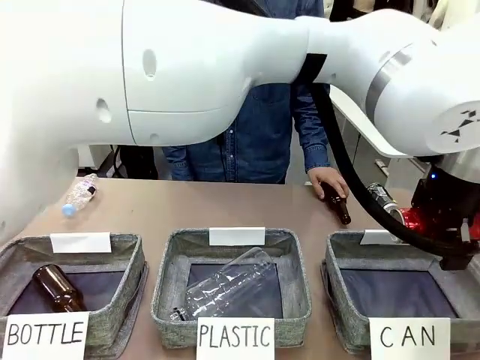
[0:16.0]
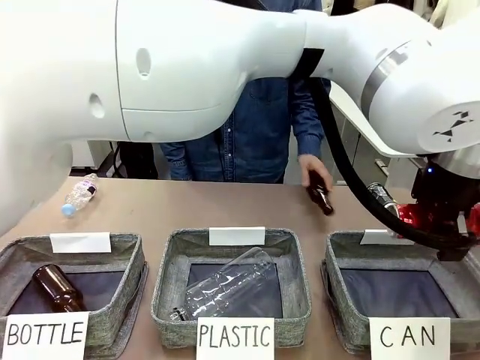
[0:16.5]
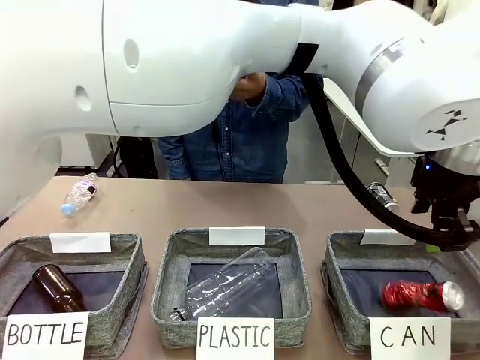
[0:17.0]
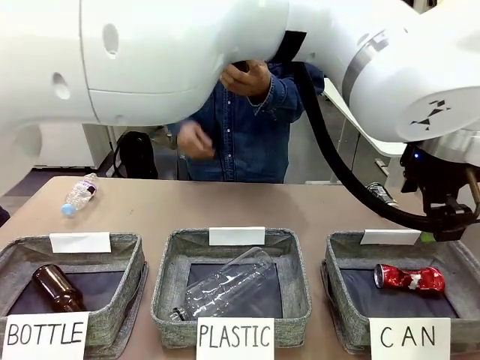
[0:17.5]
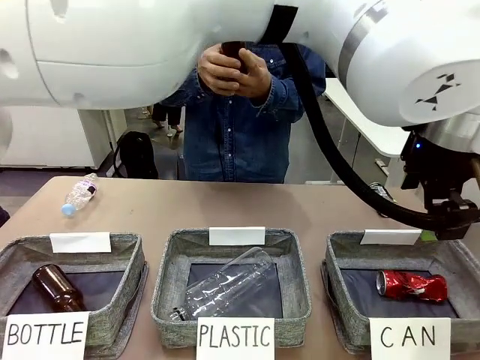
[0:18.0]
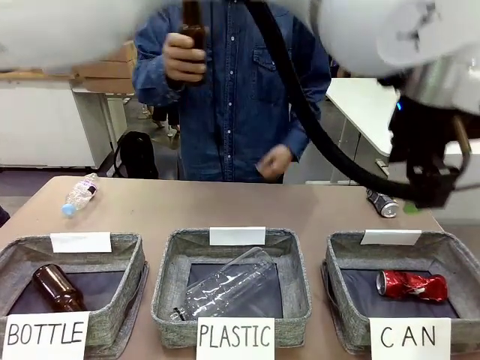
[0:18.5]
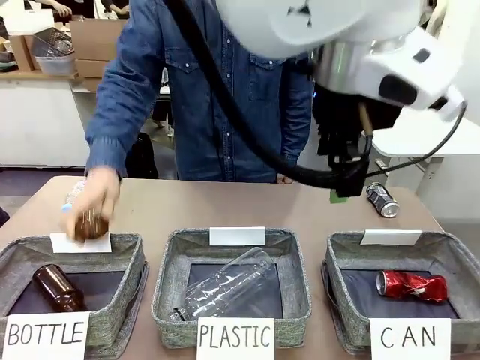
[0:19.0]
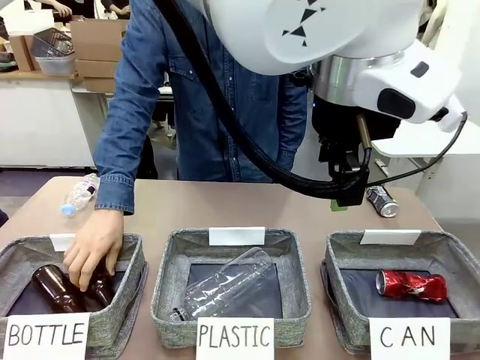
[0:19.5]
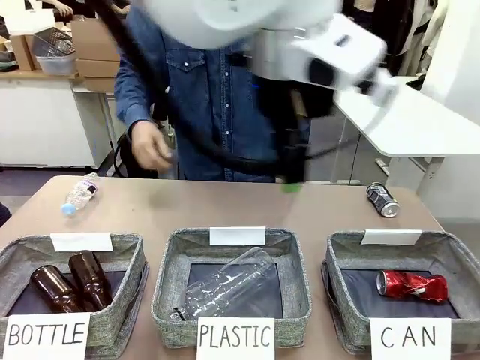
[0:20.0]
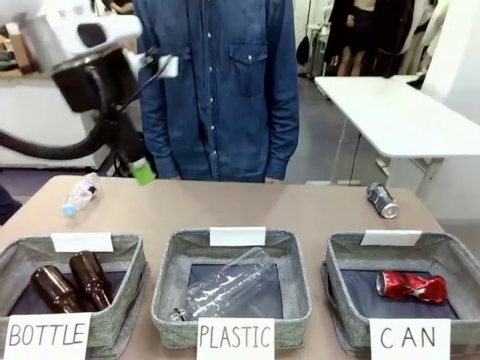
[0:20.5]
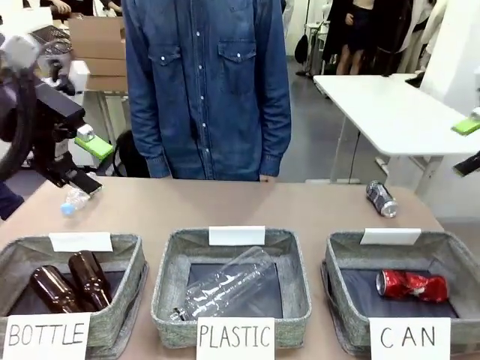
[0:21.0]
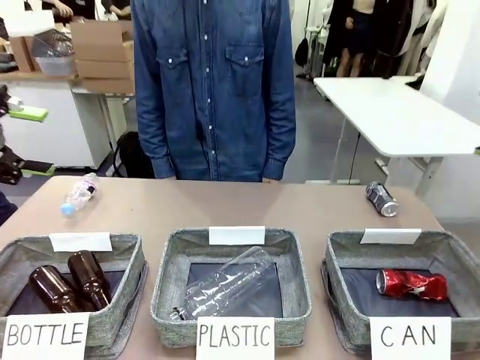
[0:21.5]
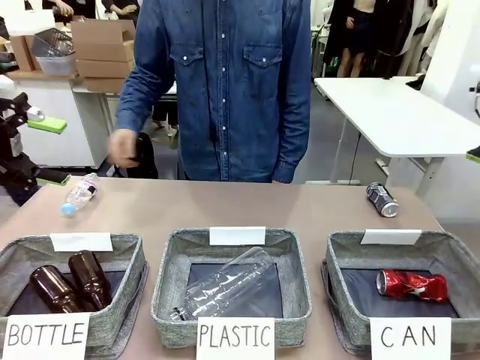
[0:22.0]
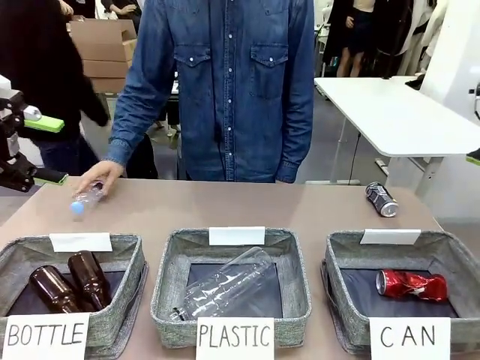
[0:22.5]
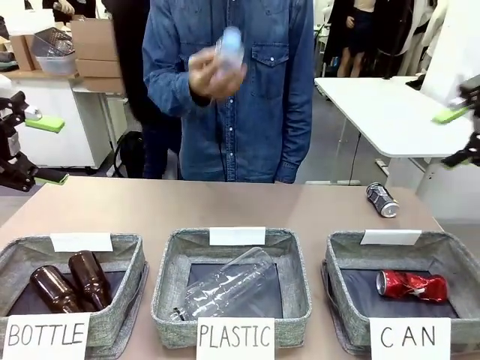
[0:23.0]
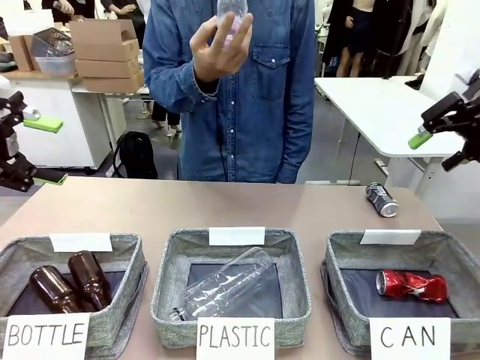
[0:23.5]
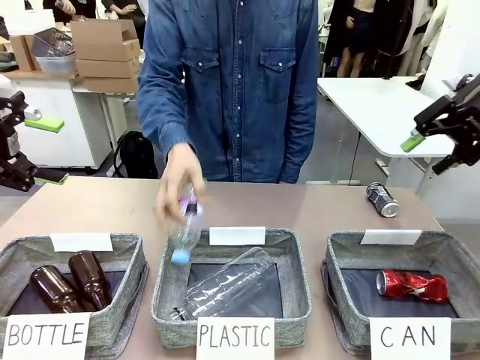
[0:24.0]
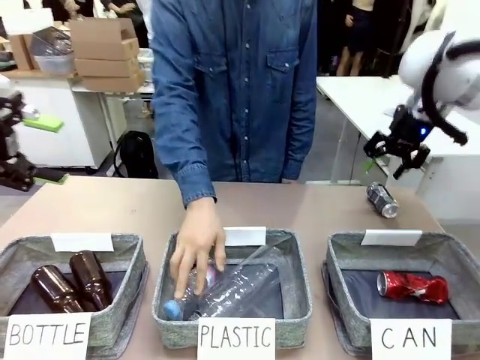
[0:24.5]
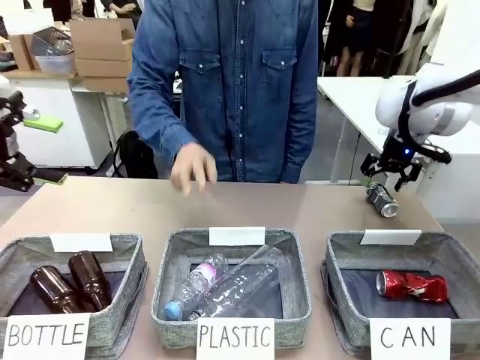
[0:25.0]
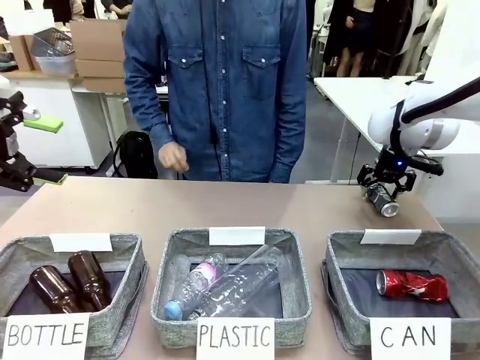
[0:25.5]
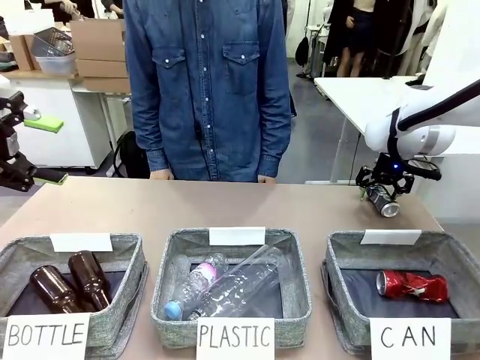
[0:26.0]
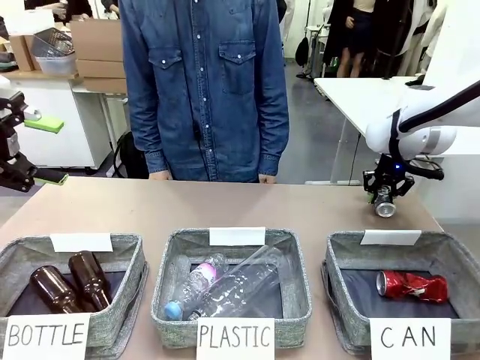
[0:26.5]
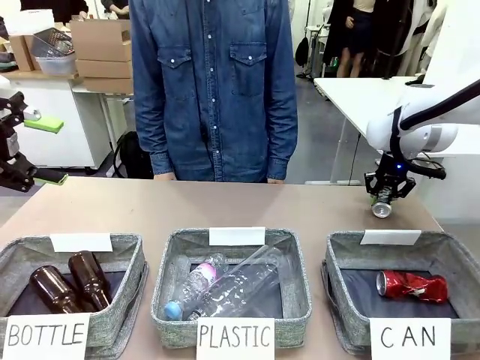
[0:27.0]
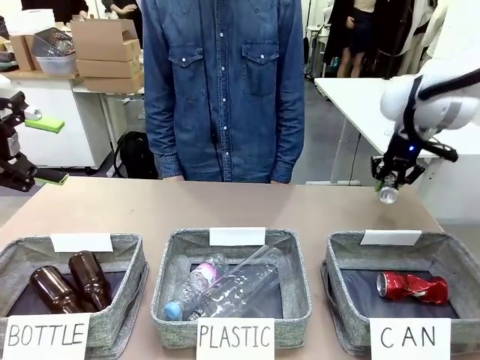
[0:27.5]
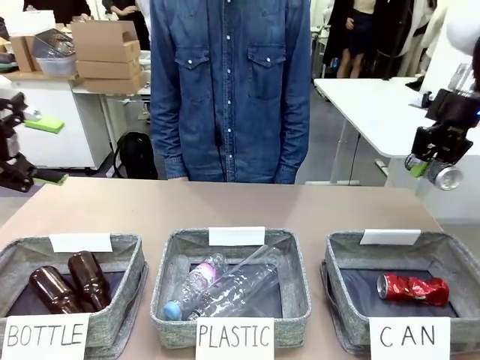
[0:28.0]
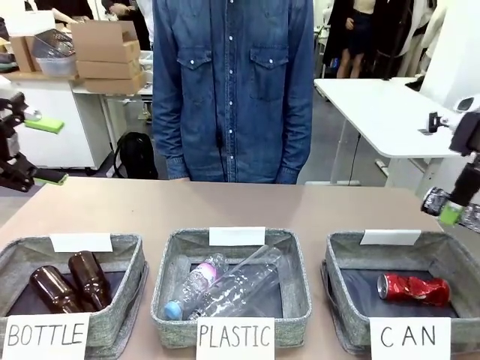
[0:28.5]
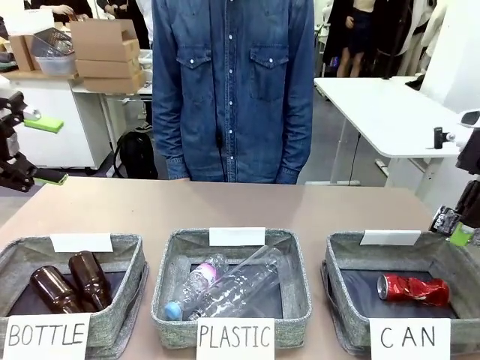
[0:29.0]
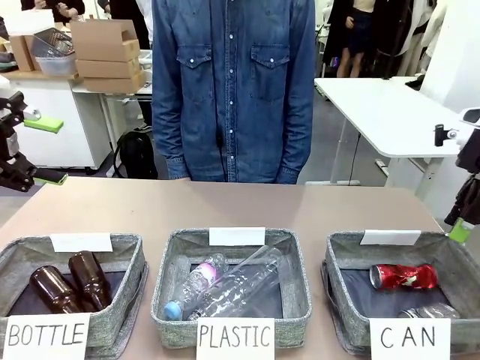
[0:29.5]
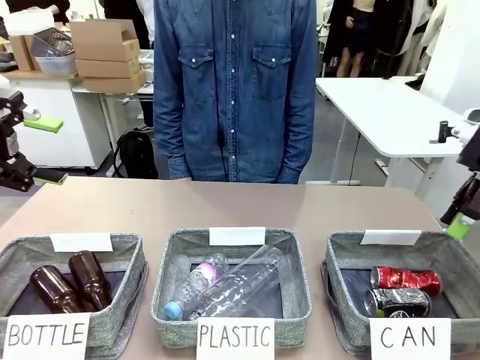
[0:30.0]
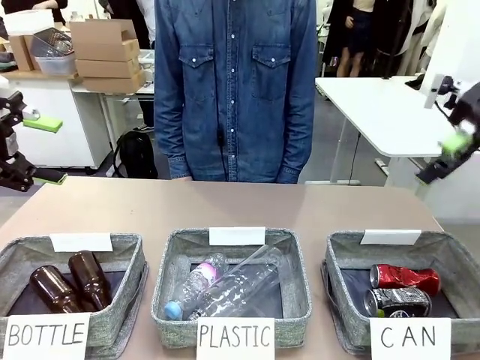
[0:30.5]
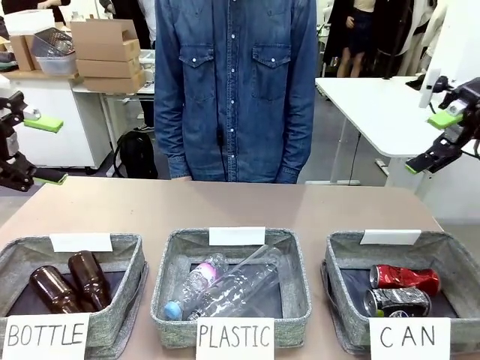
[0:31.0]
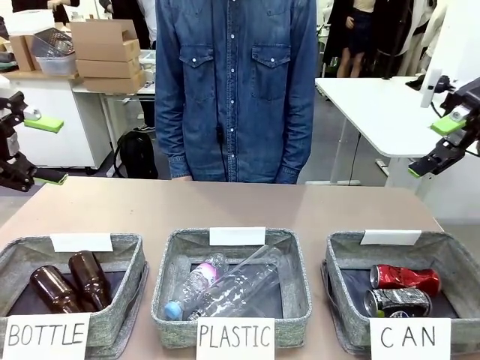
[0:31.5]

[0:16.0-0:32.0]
Task: Sort the can waste into the basket.
Robot: Pick up the can waste from the table and place it in the right Fabric basket.
